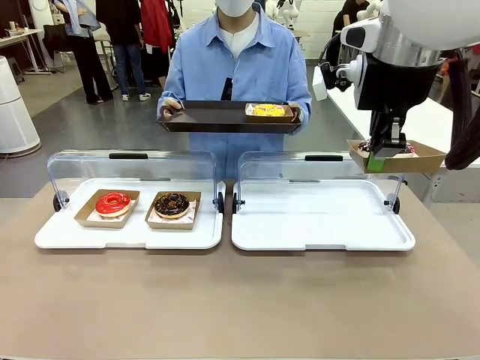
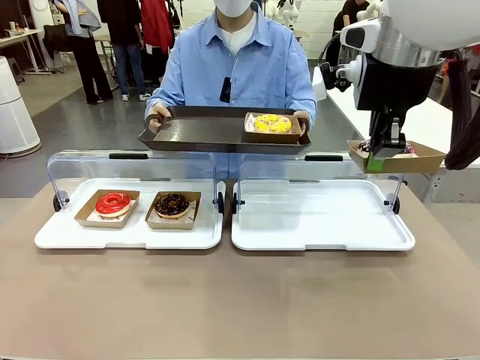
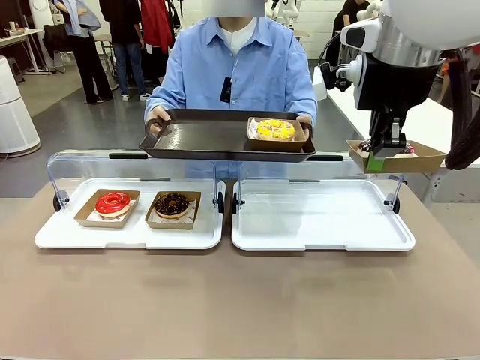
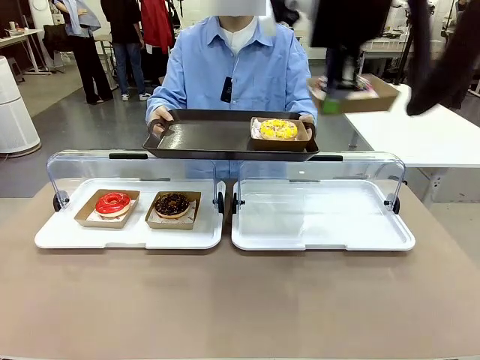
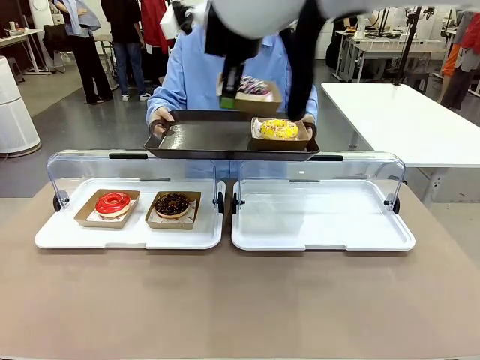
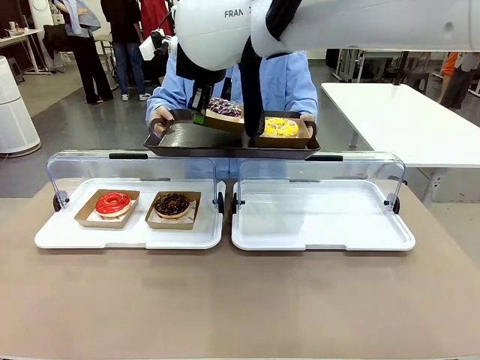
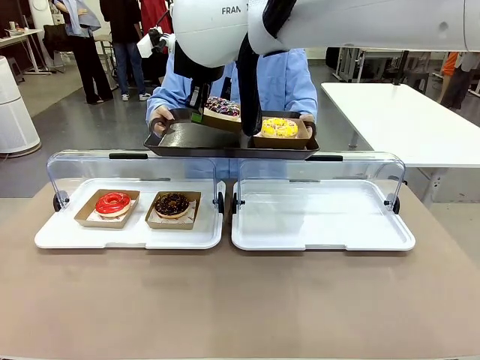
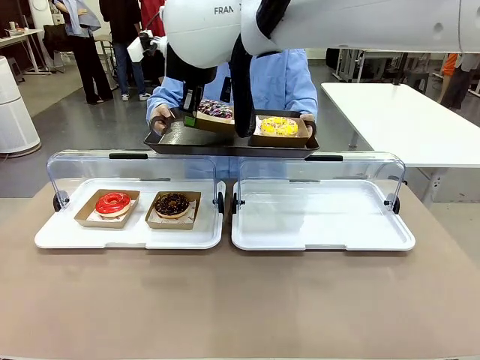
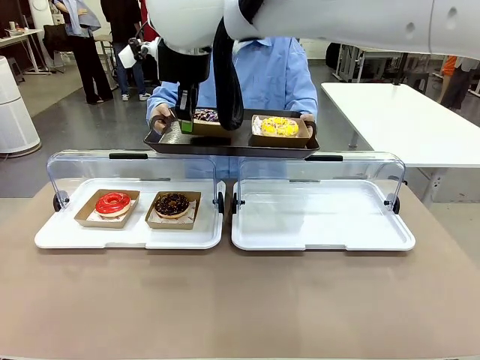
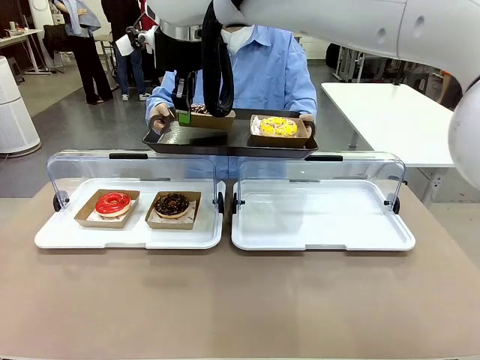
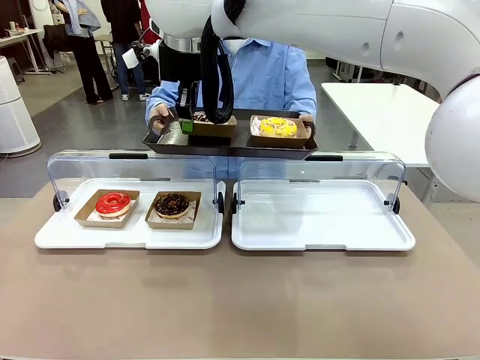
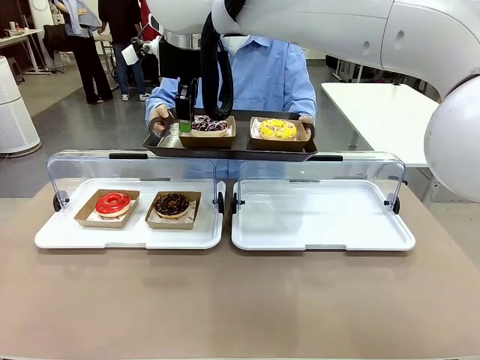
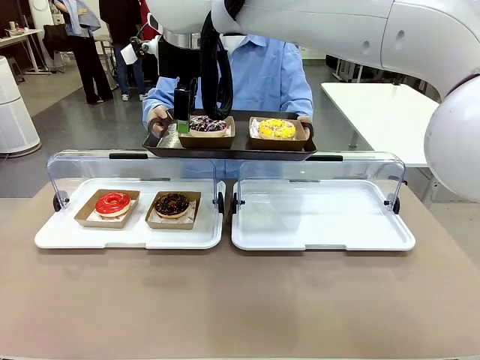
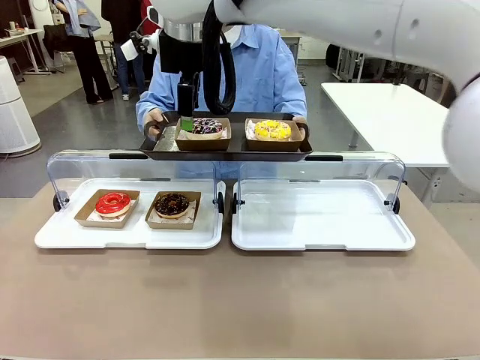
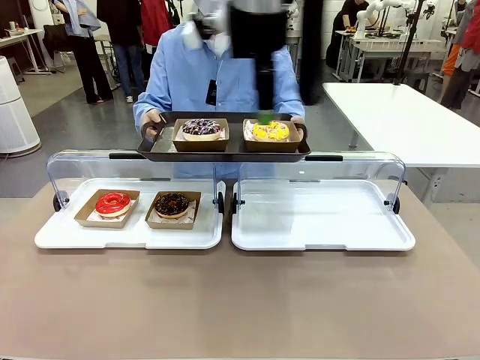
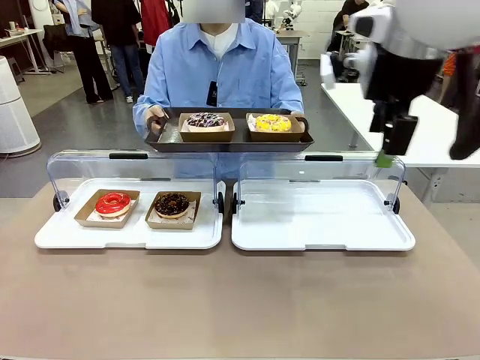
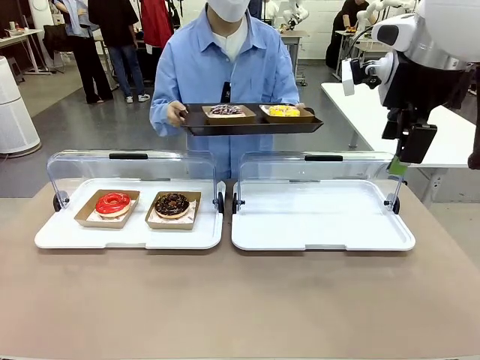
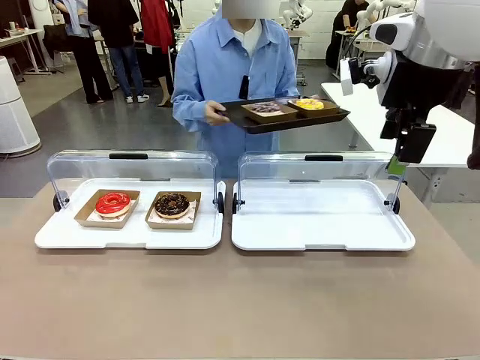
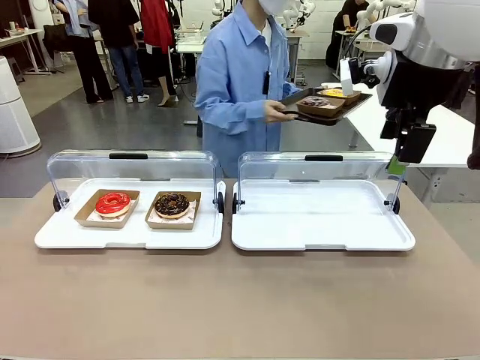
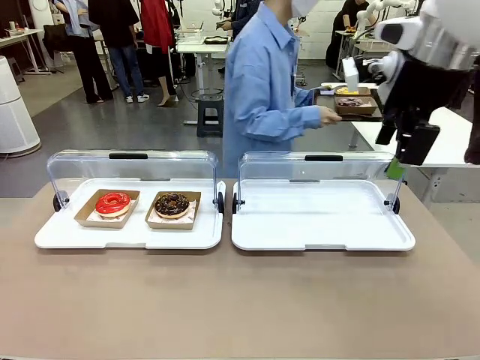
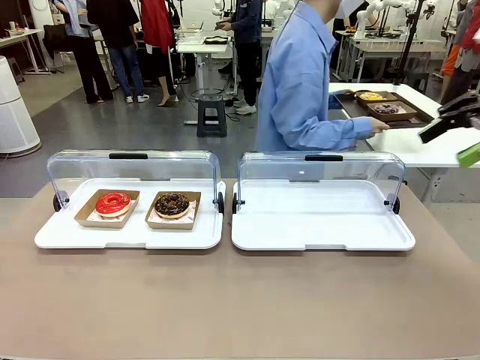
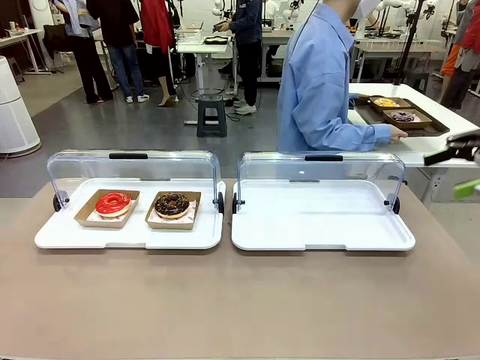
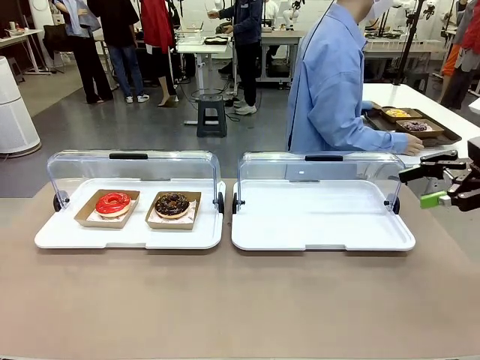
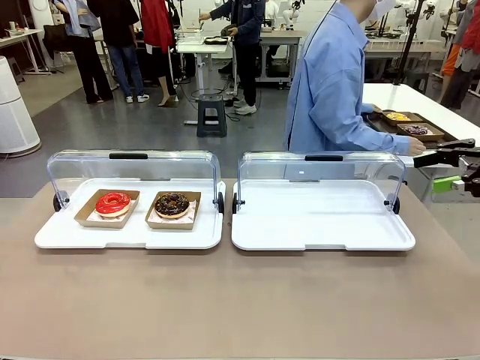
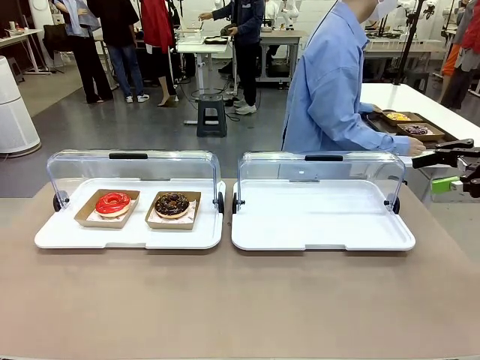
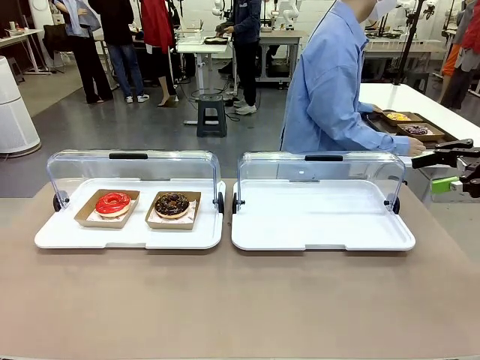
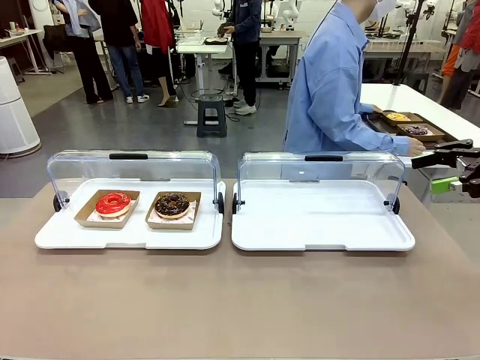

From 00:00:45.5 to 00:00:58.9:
Task: Provide the desired donut to the person.
Robot: Place the picked Paper togo box onto the Handle tray extended by the person.
Person: Place the tray in the middle of the human table.

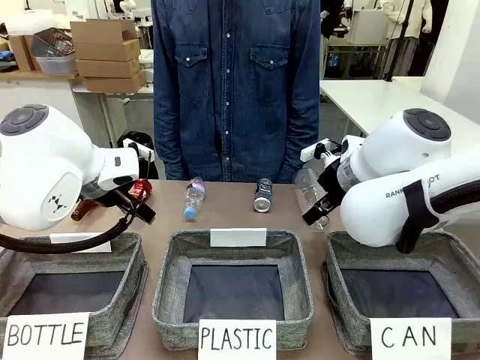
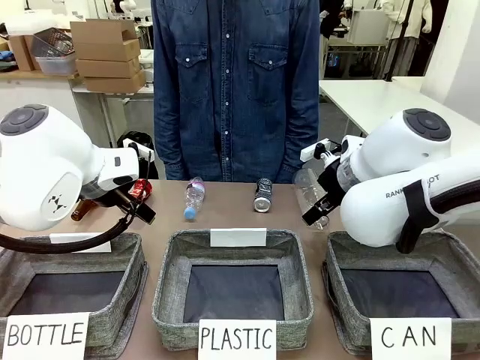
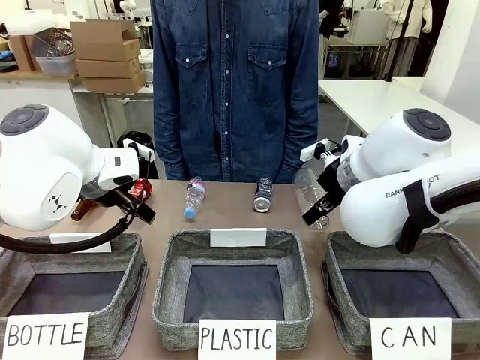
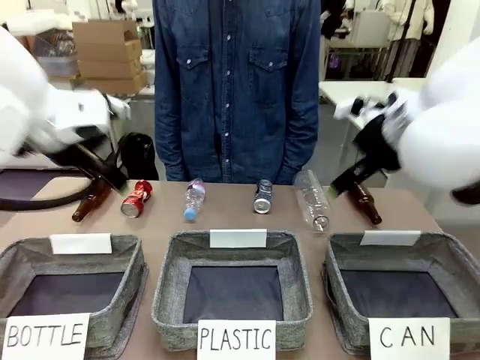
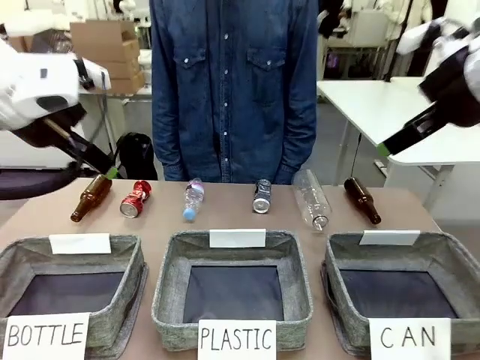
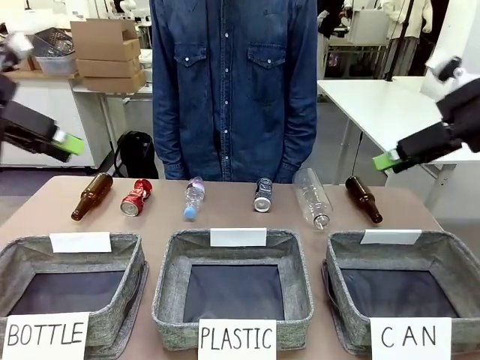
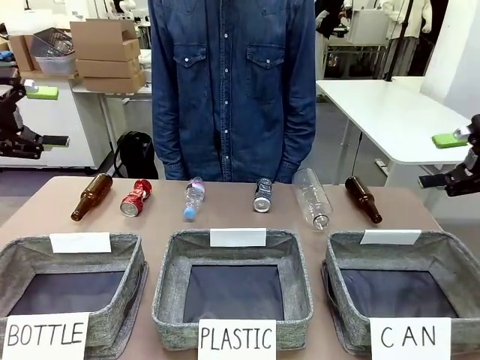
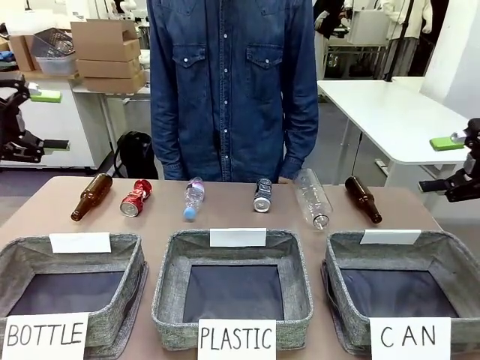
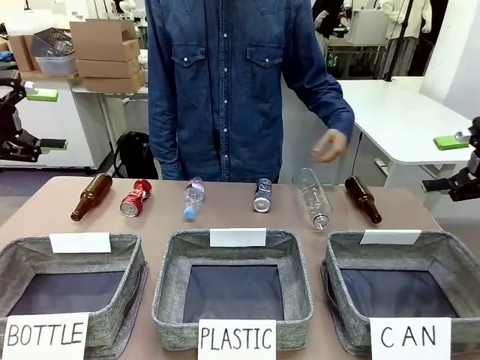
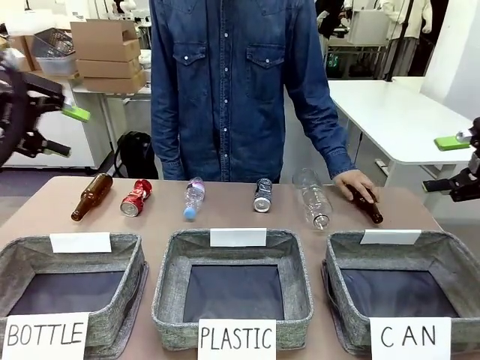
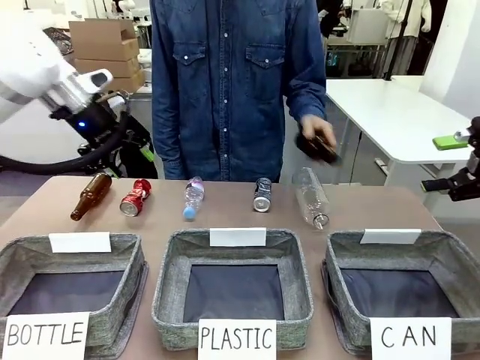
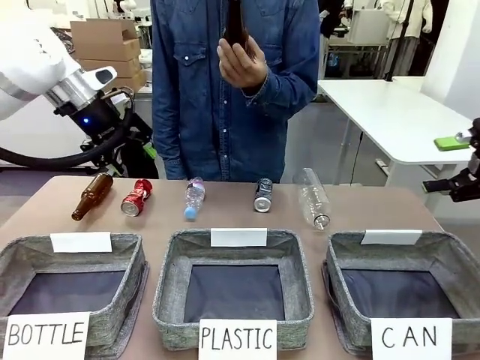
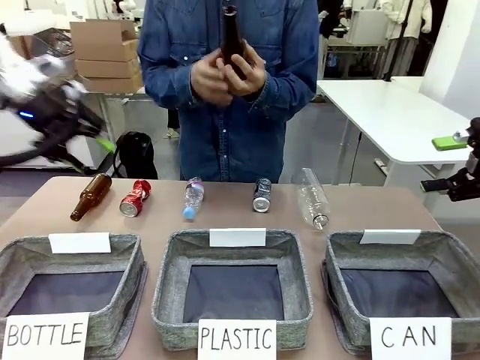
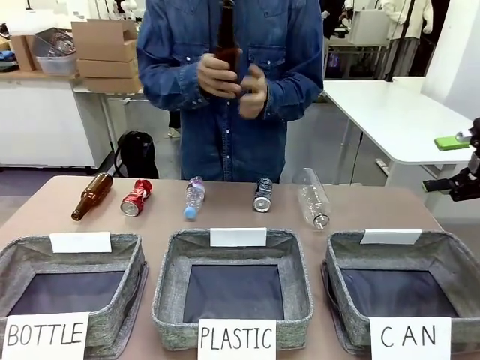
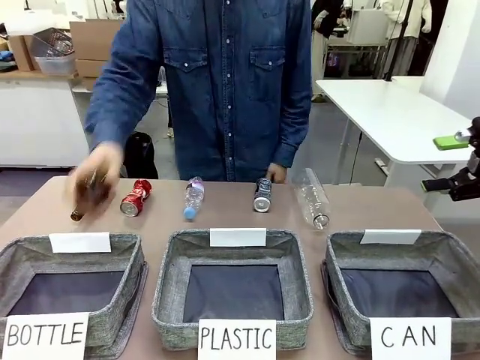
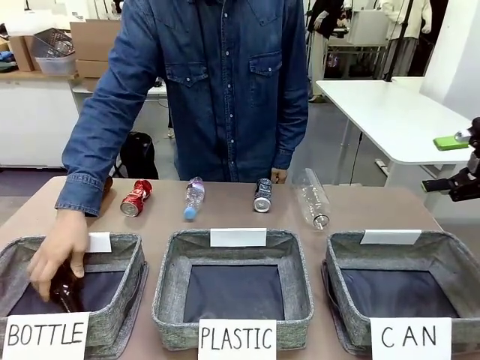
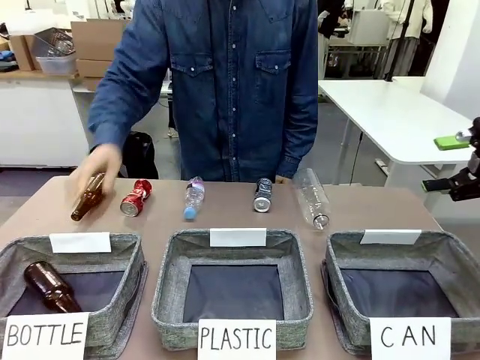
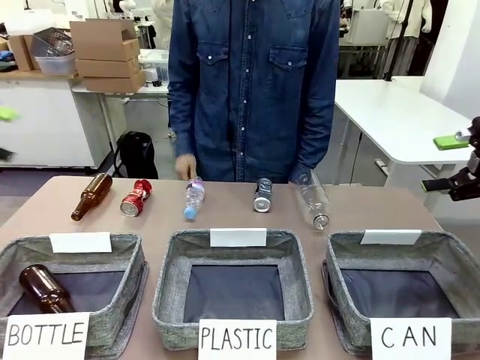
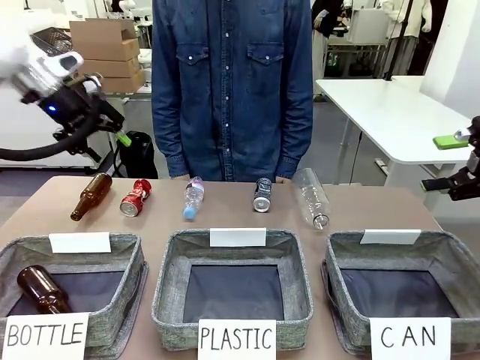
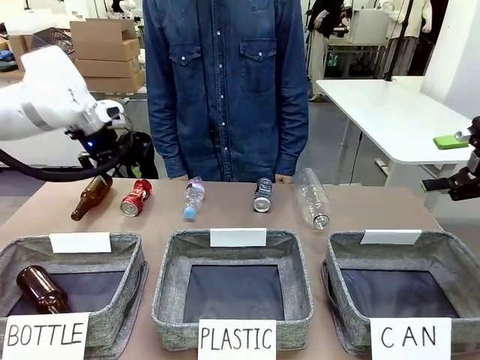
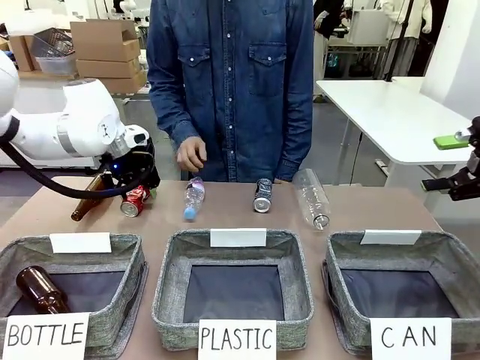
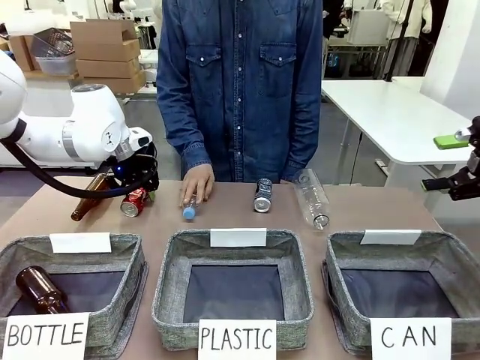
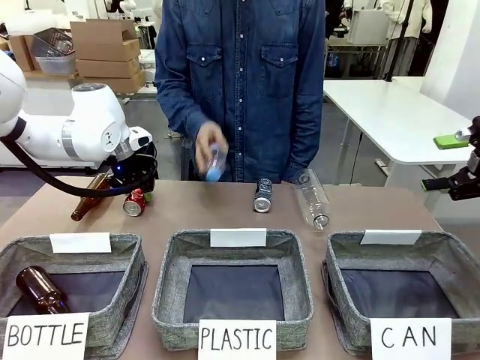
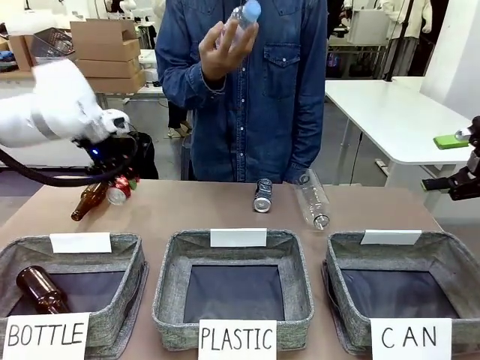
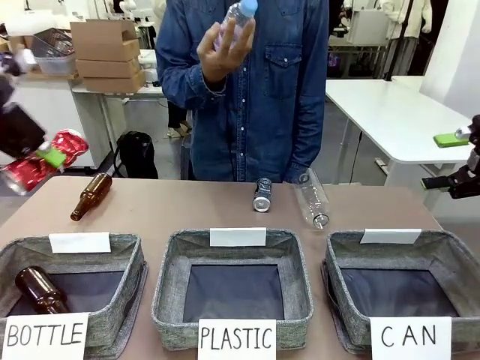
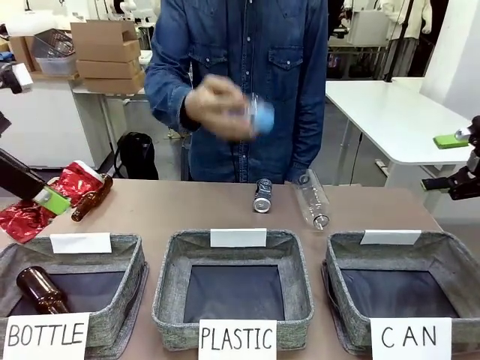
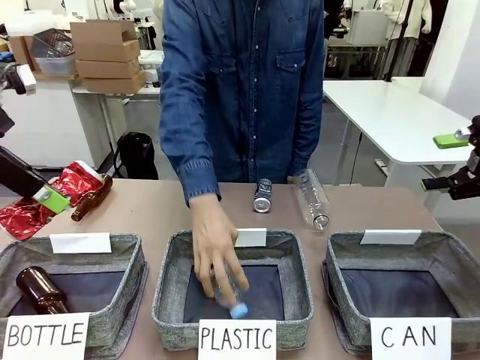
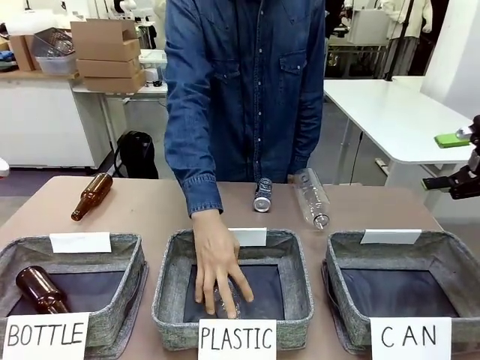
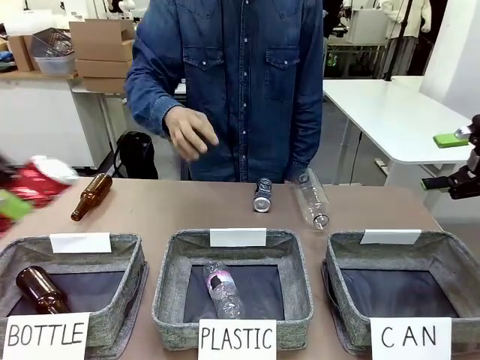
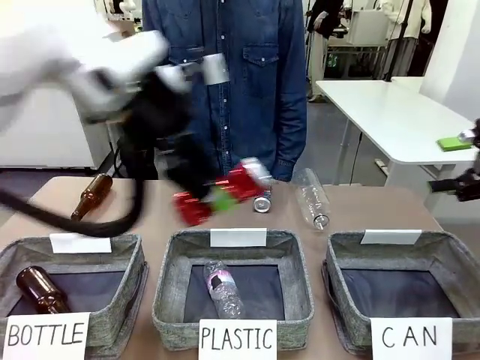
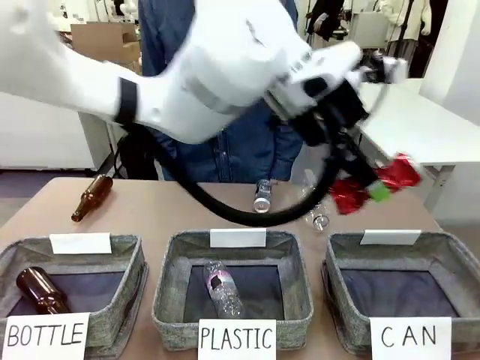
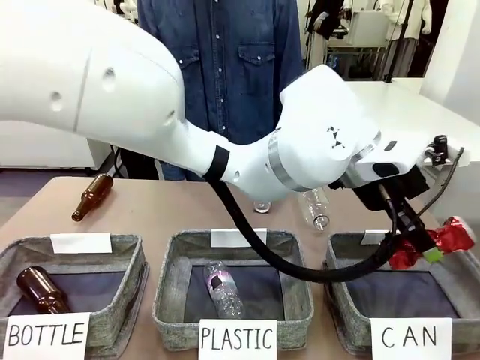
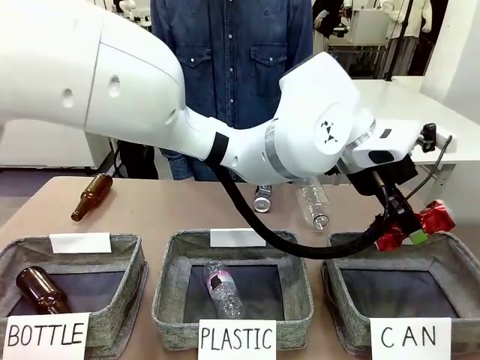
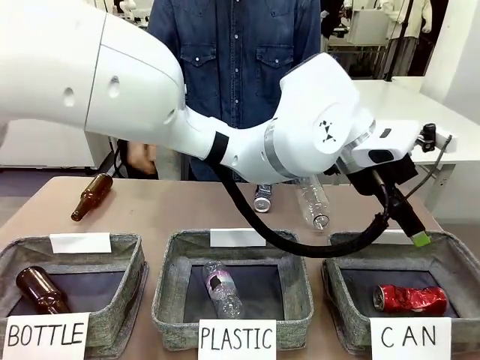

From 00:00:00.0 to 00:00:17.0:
Task: Sort the can waste into the basket.
Robot: Pick up the can waste from the table and place it in the right Fabric basket.
